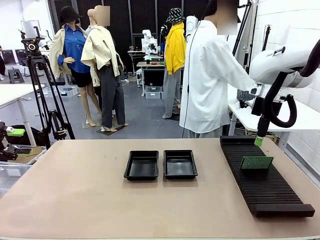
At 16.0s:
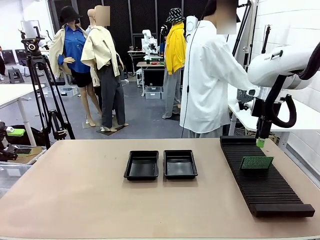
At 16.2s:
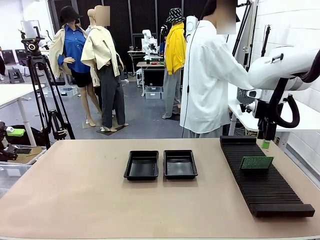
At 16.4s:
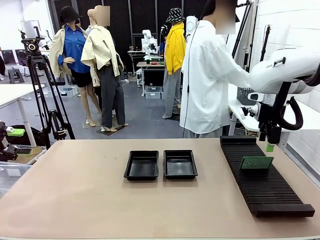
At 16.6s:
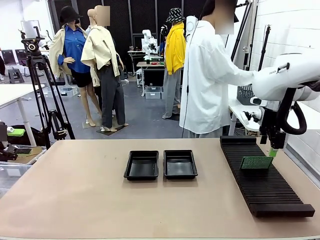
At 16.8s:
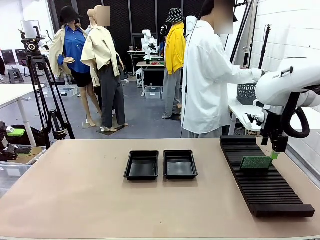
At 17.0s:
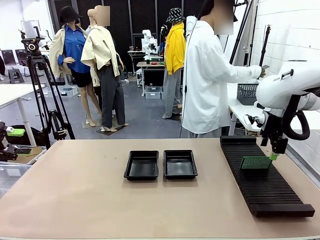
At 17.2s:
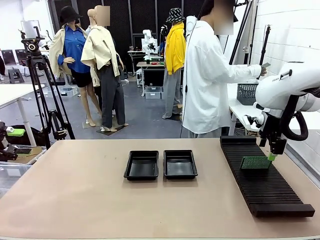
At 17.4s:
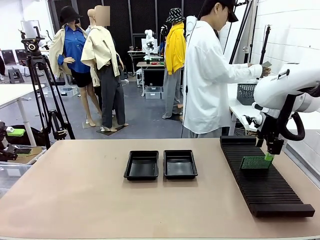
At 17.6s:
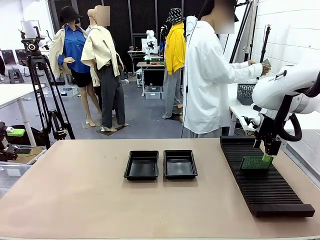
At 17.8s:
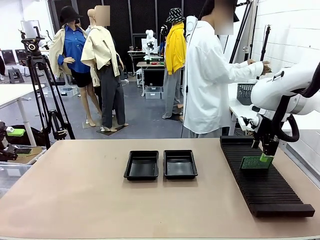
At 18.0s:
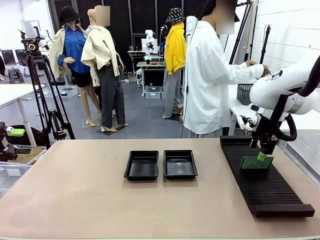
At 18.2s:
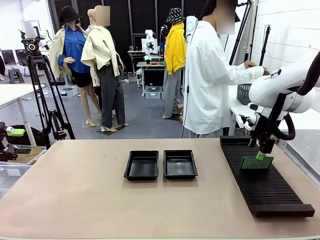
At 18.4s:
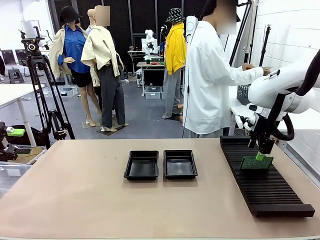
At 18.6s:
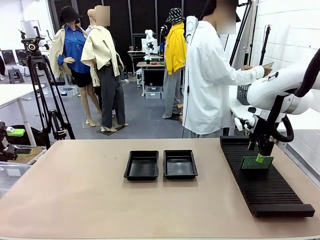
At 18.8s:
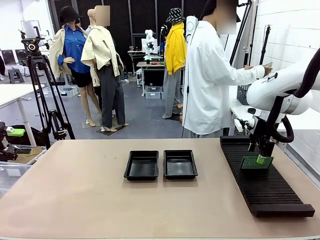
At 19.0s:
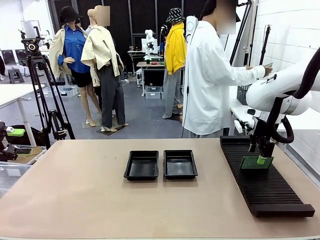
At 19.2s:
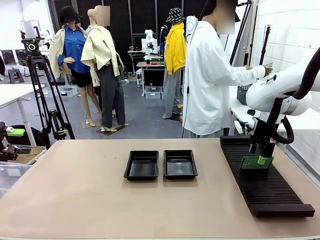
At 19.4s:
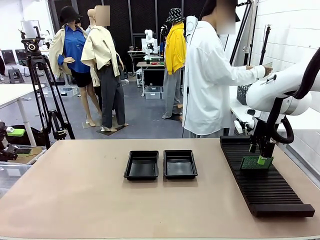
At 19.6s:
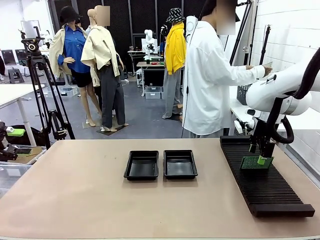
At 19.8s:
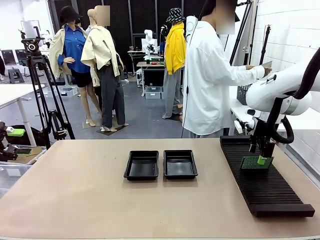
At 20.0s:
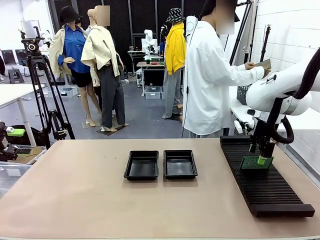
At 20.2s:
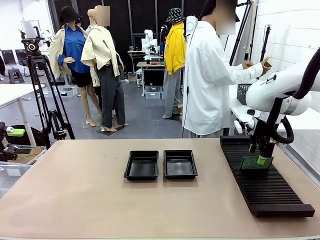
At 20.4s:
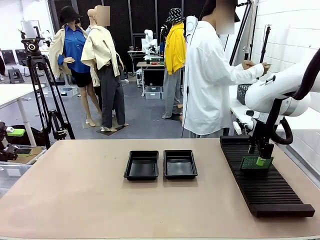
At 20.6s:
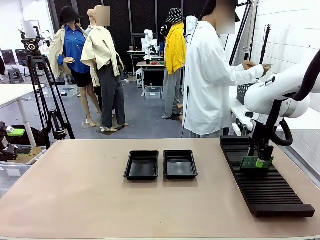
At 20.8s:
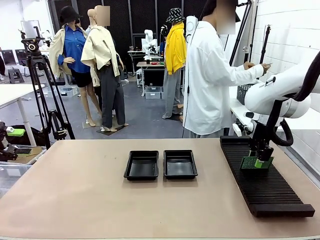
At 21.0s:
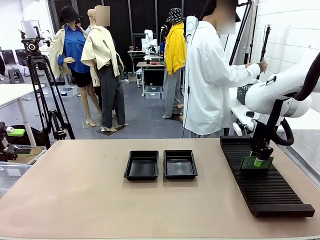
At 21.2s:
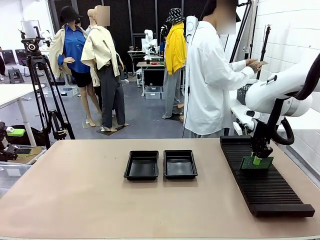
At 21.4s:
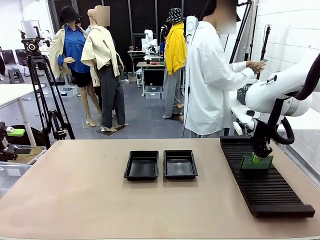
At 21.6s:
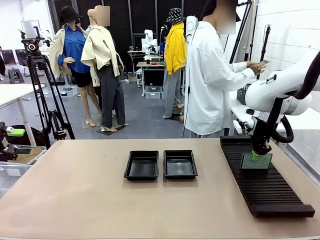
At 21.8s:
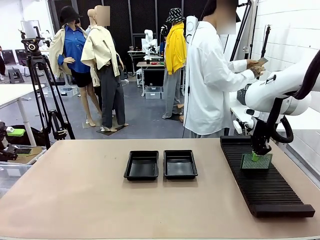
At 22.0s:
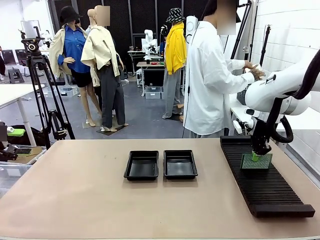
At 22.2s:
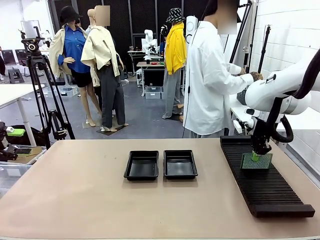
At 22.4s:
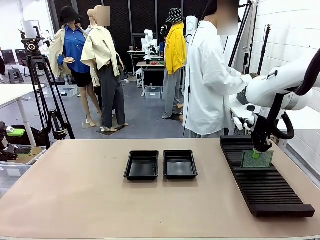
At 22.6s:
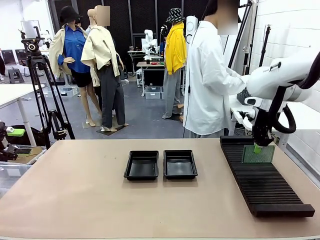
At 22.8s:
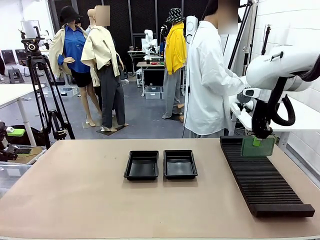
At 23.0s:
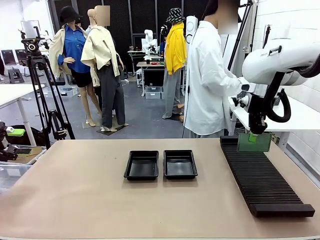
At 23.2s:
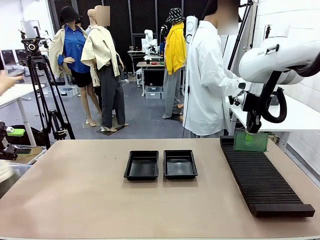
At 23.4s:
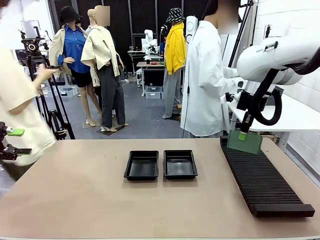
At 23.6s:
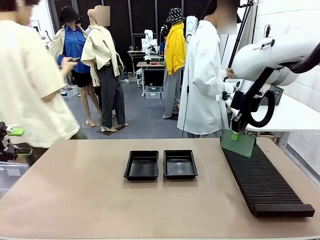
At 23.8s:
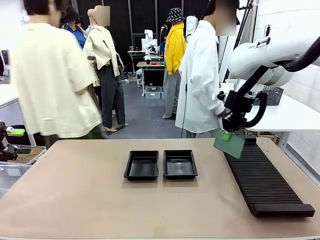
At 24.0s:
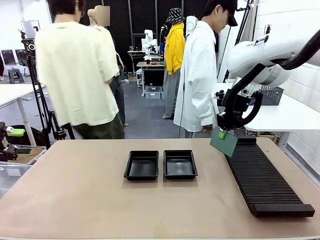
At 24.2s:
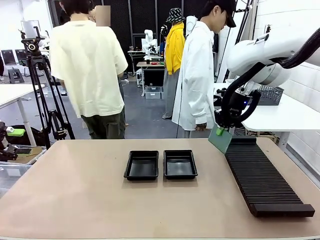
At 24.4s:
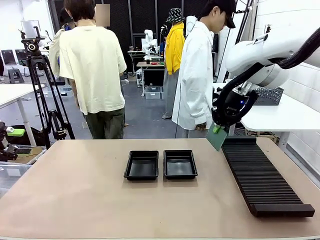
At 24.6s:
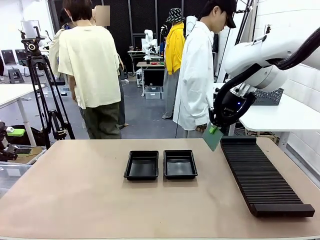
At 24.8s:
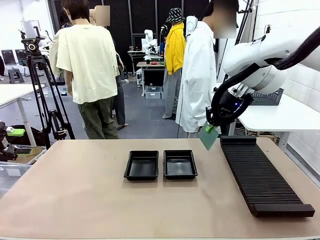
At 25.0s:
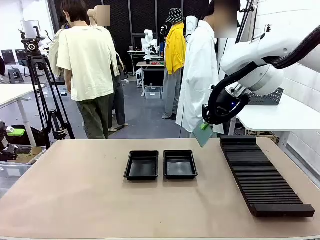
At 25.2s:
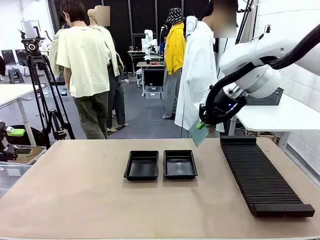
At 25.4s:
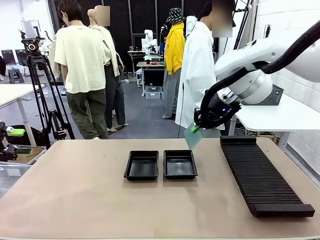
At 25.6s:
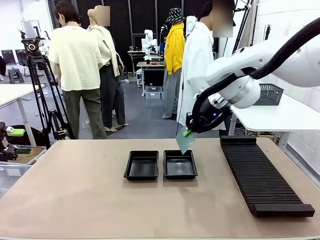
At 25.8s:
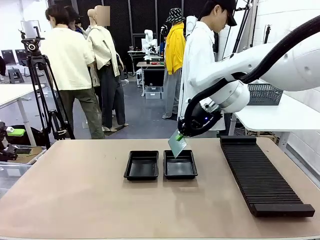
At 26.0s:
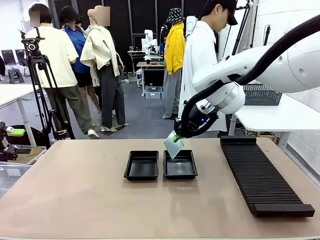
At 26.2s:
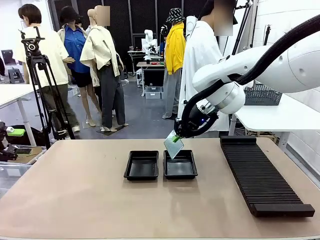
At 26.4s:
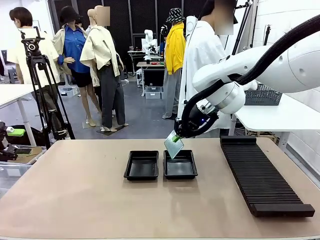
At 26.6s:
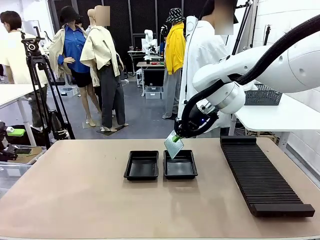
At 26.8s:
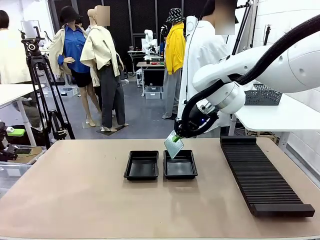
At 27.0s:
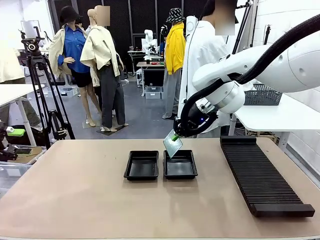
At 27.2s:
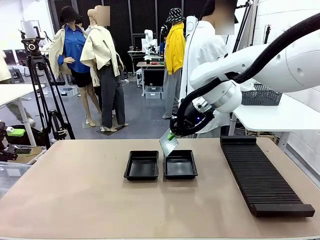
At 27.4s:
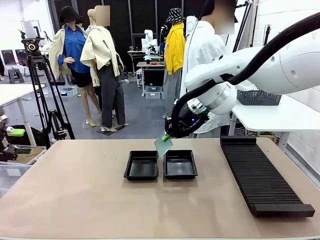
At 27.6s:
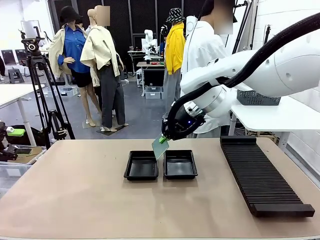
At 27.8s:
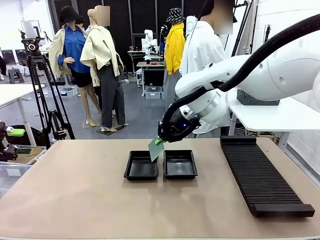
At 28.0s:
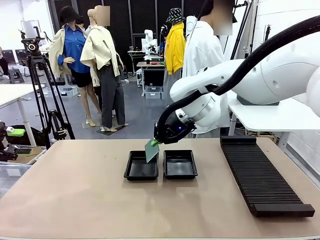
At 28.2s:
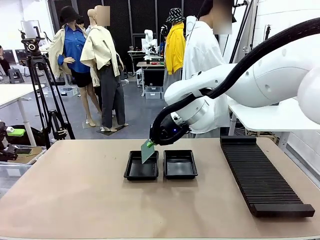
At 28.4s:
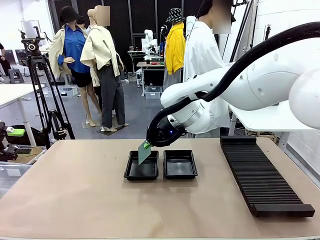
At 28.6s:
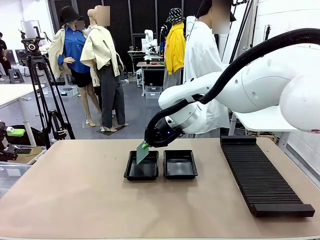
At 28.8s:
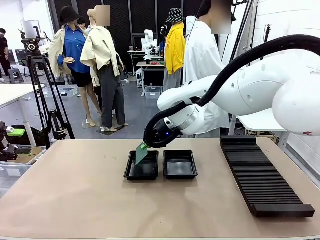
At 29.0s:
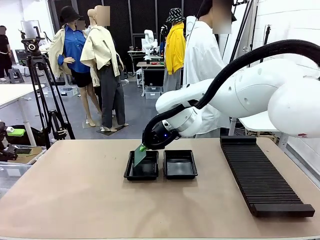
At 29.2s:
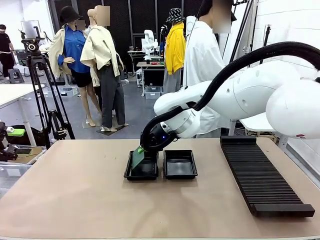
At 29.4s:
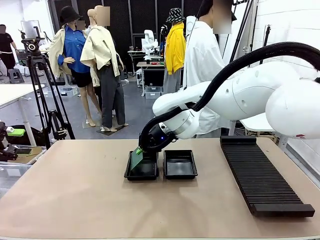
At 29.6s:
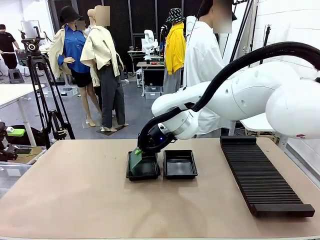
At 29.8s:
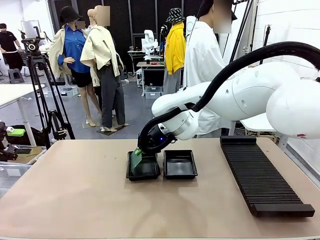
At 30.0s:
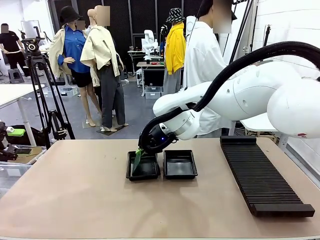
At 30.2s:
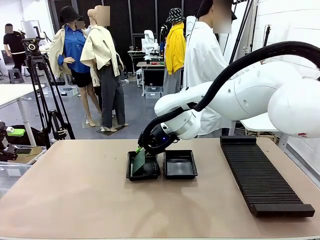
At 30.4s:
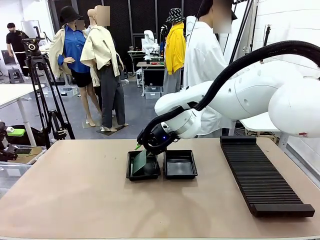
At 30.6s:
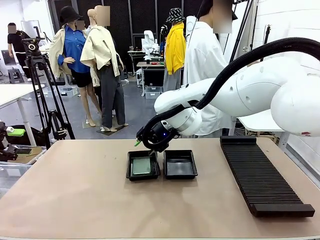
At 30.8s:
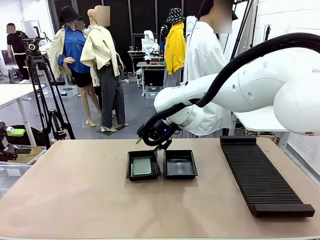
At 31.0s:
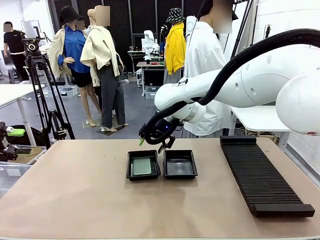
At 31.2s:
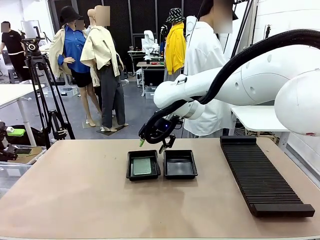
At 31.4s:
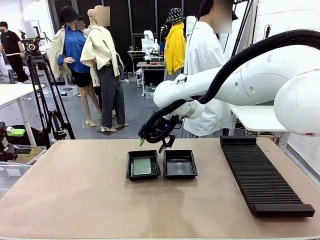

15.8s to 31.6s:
Task: Inspect and transfer BCBs to ESD trays.
Robot: Pick up the Blank PCB from the PCB Rack and place it in the left ESD tray.

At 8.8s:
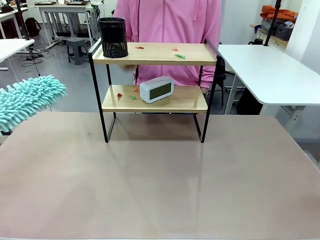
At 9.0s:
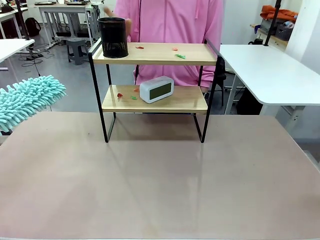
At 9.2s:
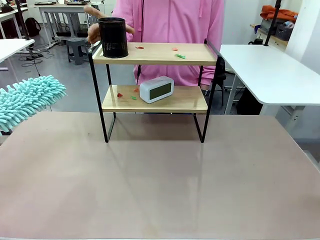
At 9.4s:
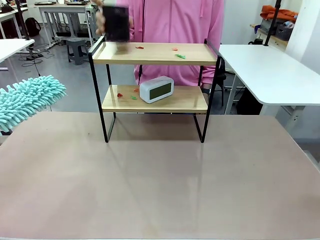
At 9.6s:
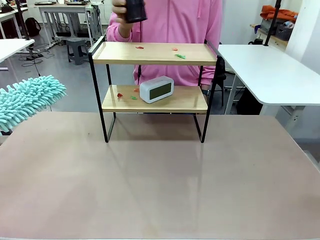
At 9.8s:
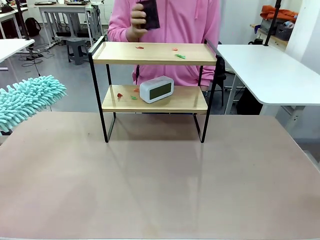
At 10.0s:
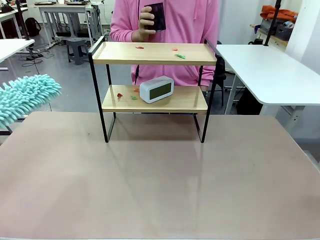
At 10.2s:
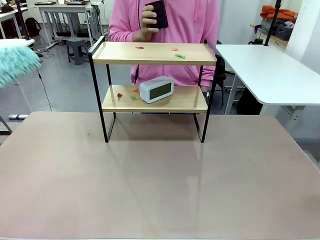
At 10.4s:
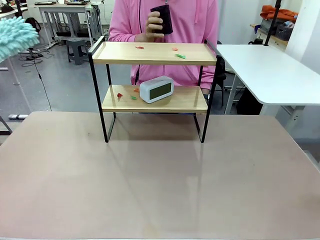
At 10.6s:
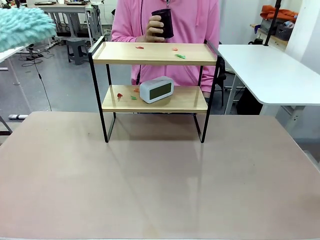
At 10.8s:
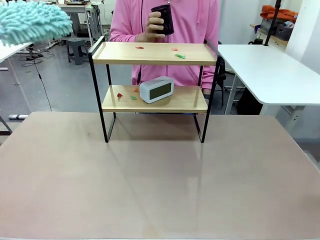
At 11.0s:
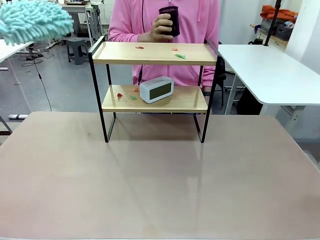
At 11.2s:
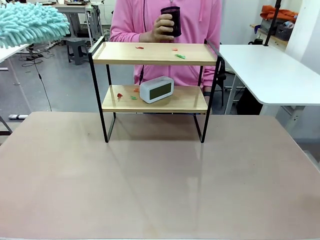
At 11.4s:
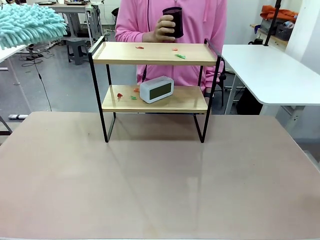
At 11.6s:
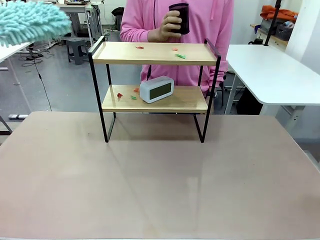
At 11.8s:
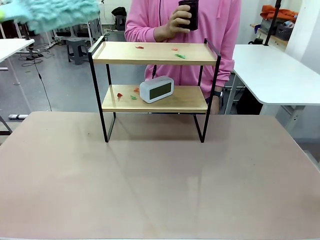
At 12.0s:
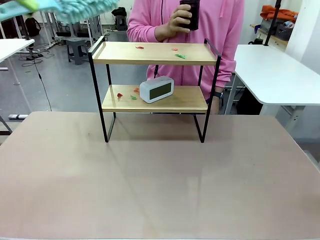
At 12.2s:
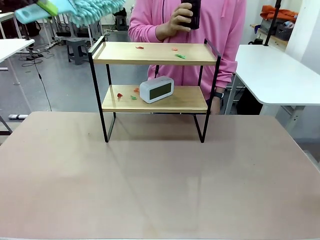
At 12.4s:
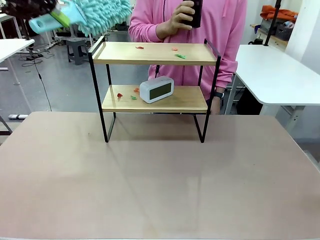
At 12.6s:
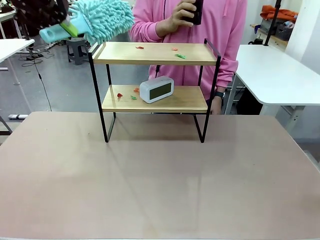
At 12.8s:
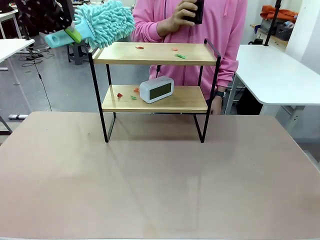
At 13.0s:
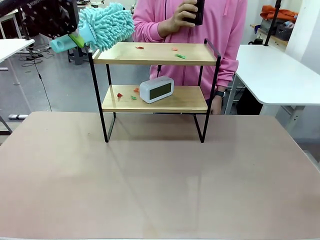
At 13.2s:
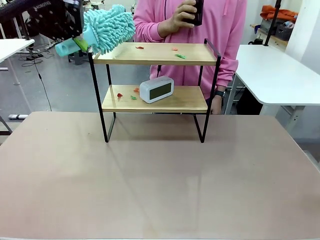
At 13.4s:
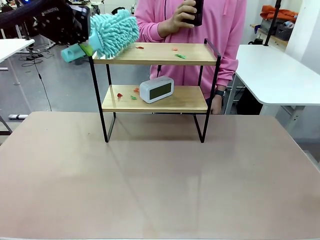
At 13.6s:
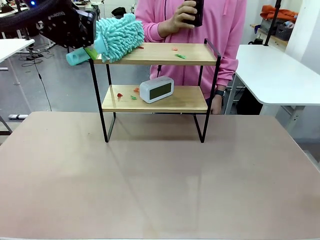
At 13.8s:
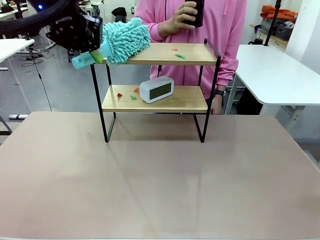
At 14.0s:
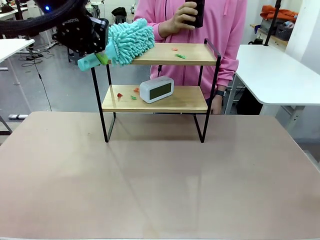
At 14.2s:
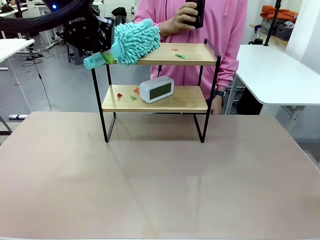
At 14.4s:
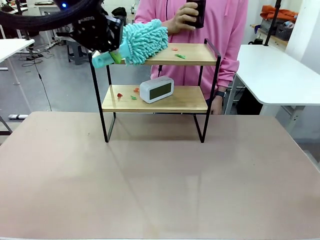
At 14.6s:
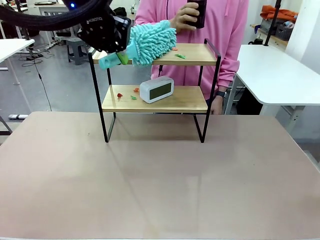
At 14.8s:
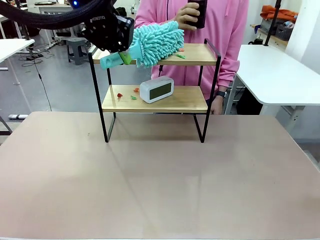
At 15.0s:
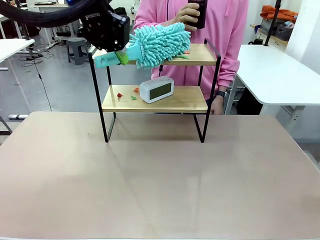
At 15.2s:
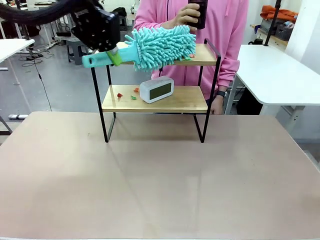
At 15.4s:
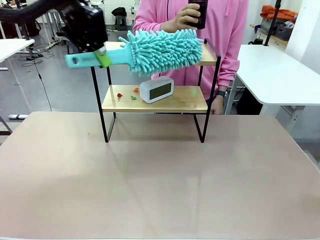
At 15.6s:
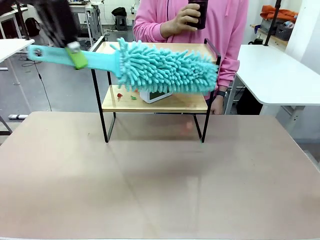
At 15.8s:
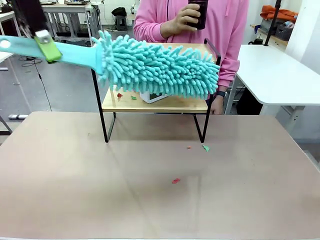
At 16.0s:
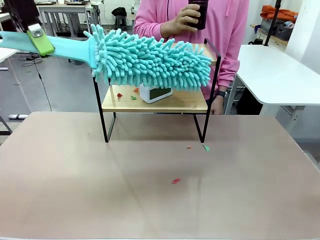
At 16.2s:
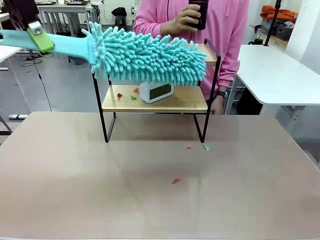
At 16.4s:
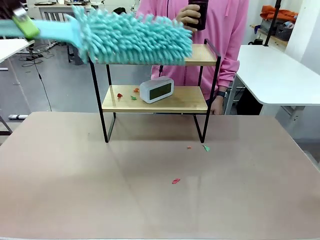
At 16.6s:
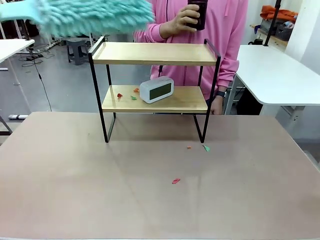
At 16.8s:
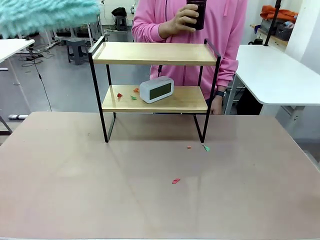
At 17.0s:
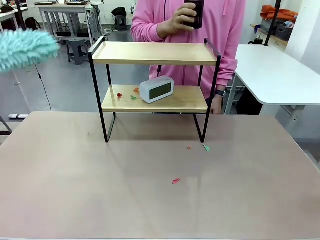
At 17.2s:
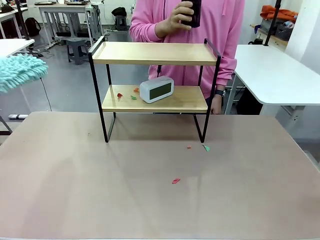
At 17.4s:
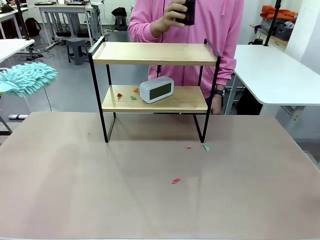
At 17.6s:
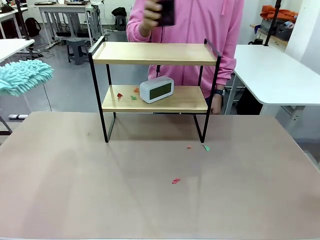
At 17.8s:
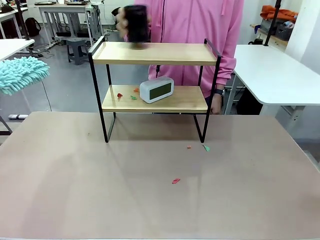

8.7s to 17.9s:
Task: Clean the shelf.
Robot: Clean the specific tier of the Shelf with the Duster once objects are removed.
Person: Lift the objects on a randomly selected tier of the Shelf. Once the robot finishes cleaning, lift the objects on the remaining tiers of the Shelf.
